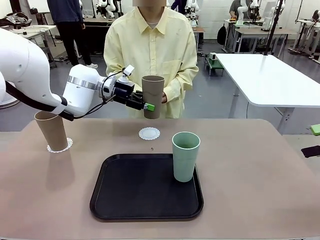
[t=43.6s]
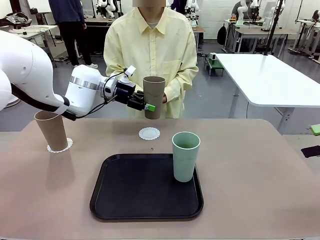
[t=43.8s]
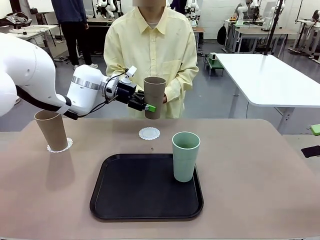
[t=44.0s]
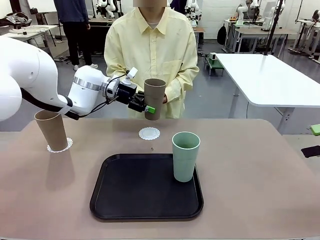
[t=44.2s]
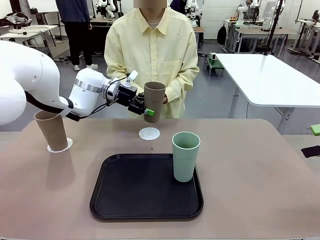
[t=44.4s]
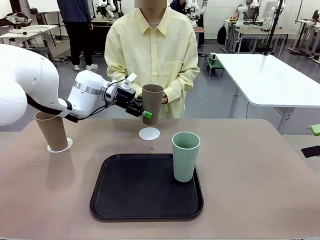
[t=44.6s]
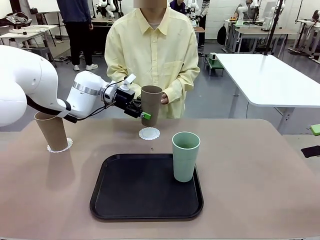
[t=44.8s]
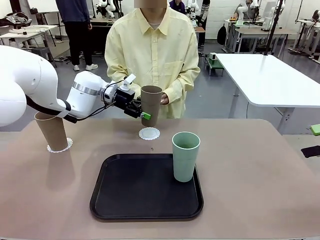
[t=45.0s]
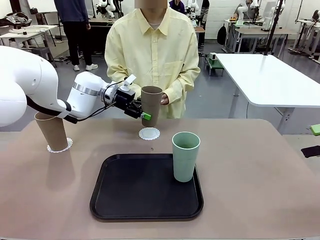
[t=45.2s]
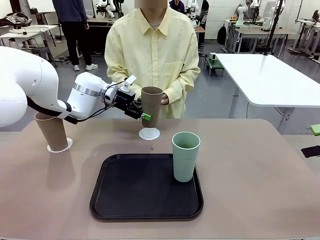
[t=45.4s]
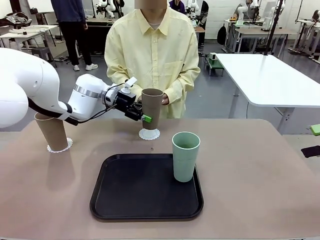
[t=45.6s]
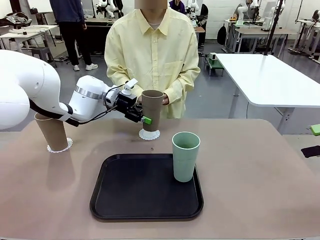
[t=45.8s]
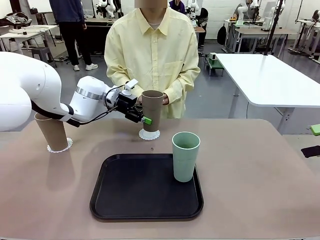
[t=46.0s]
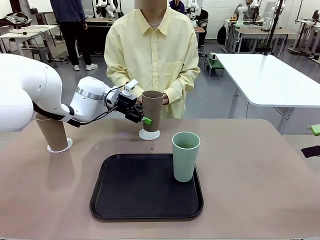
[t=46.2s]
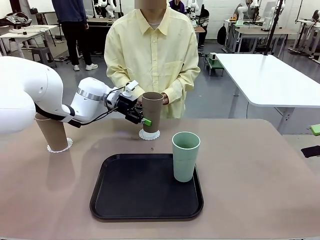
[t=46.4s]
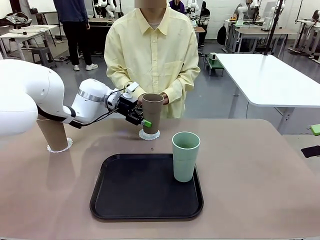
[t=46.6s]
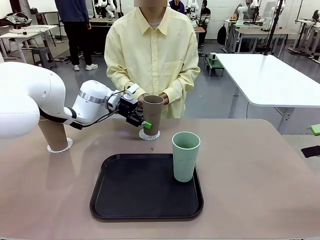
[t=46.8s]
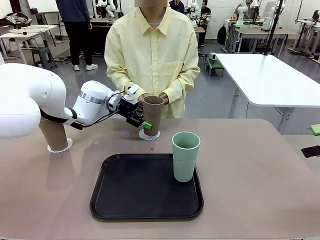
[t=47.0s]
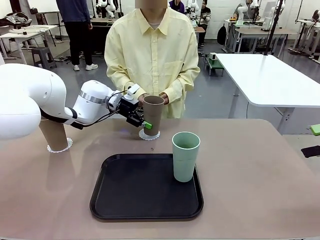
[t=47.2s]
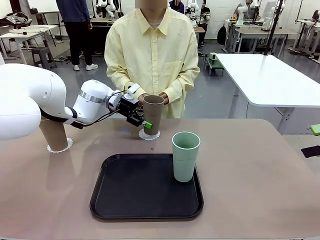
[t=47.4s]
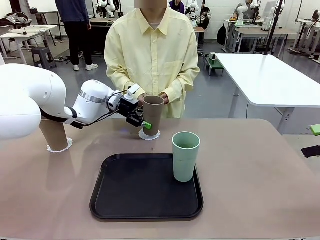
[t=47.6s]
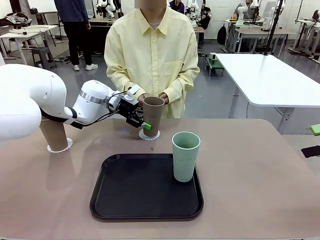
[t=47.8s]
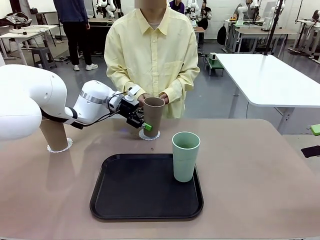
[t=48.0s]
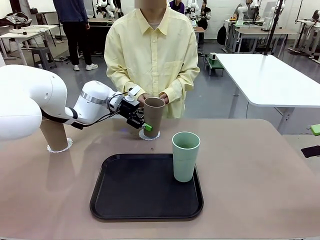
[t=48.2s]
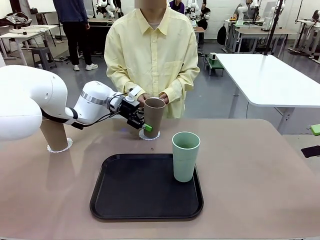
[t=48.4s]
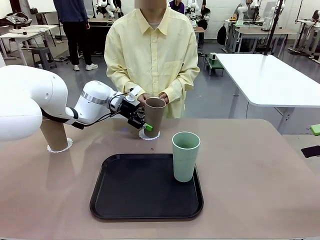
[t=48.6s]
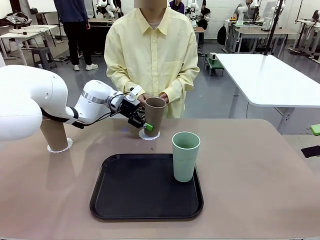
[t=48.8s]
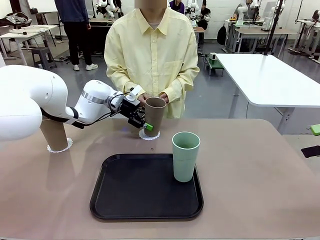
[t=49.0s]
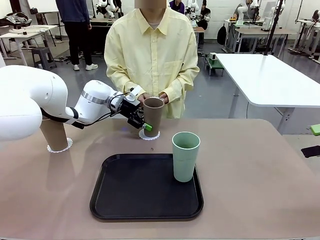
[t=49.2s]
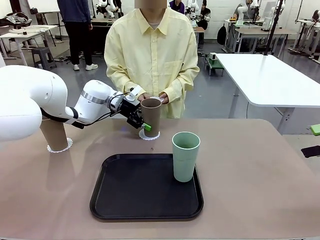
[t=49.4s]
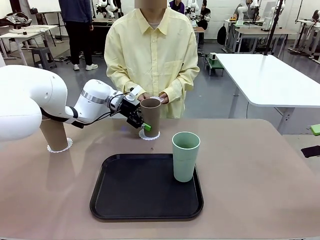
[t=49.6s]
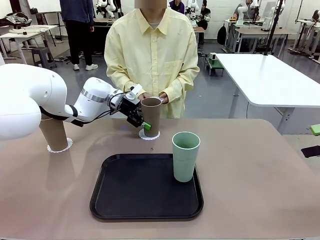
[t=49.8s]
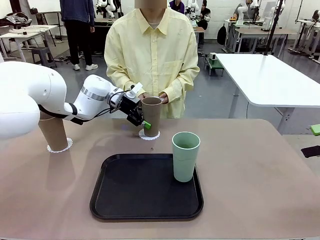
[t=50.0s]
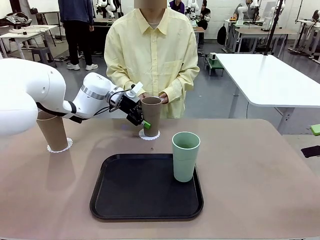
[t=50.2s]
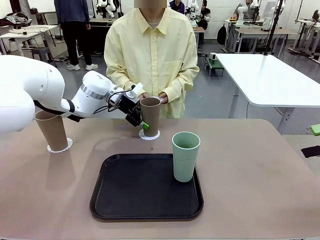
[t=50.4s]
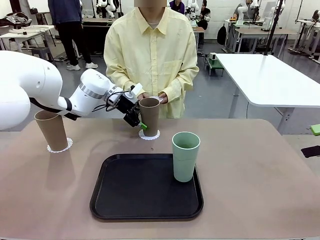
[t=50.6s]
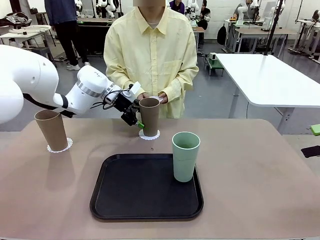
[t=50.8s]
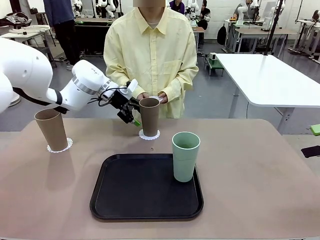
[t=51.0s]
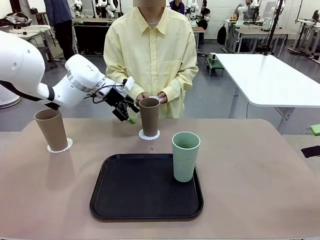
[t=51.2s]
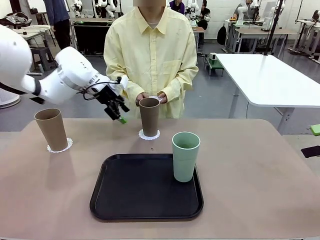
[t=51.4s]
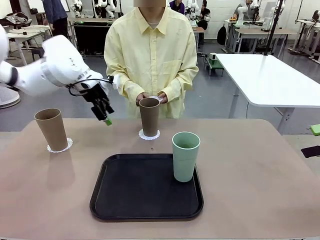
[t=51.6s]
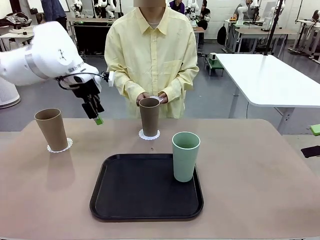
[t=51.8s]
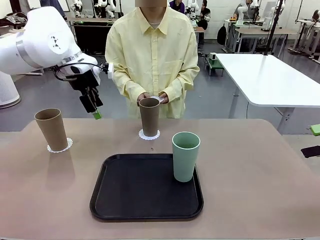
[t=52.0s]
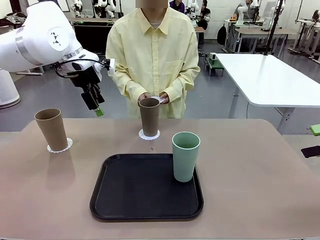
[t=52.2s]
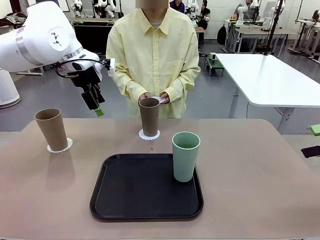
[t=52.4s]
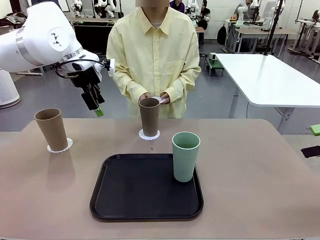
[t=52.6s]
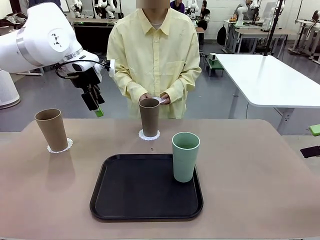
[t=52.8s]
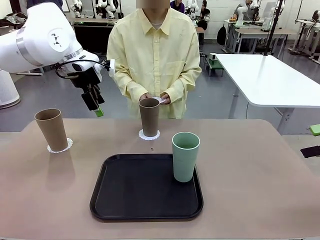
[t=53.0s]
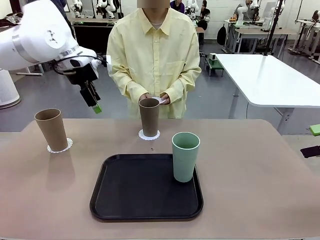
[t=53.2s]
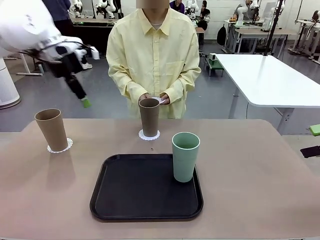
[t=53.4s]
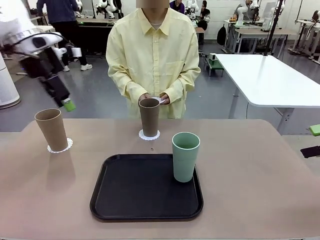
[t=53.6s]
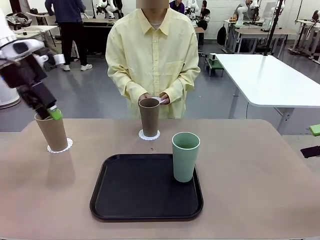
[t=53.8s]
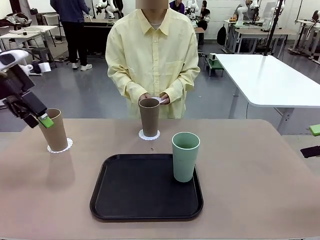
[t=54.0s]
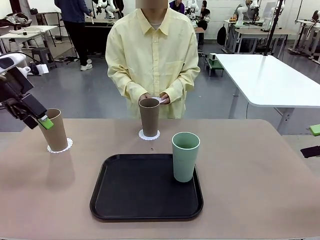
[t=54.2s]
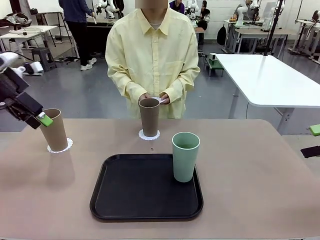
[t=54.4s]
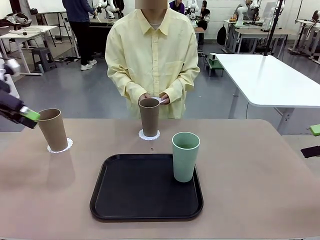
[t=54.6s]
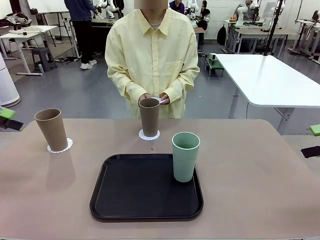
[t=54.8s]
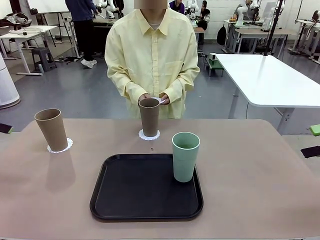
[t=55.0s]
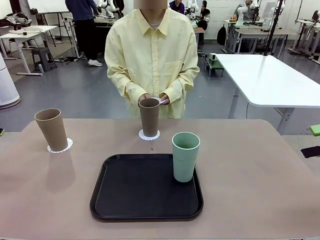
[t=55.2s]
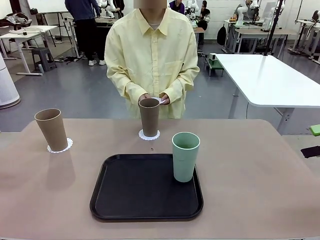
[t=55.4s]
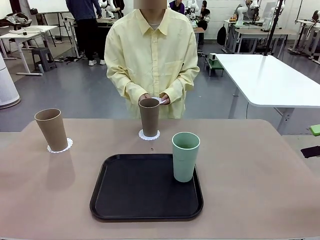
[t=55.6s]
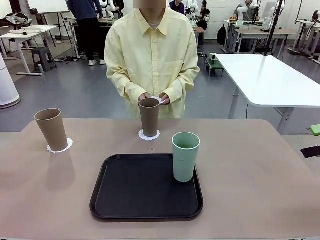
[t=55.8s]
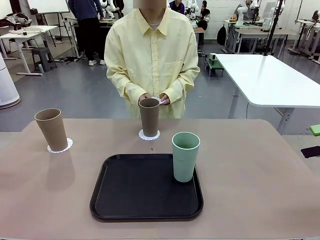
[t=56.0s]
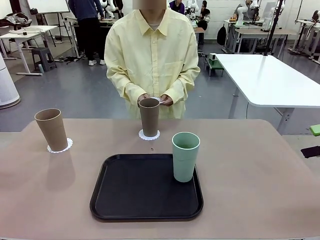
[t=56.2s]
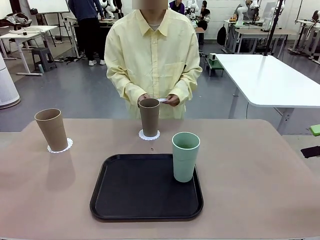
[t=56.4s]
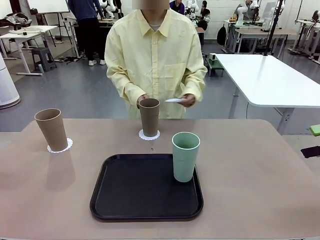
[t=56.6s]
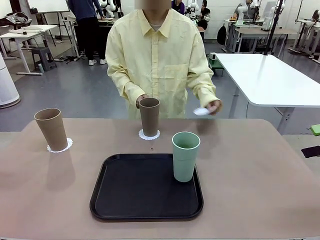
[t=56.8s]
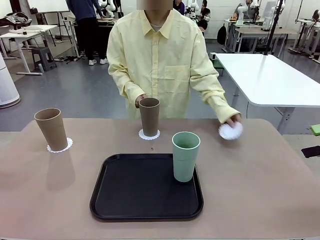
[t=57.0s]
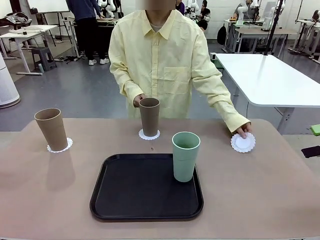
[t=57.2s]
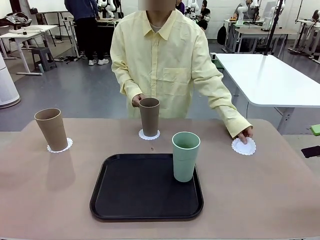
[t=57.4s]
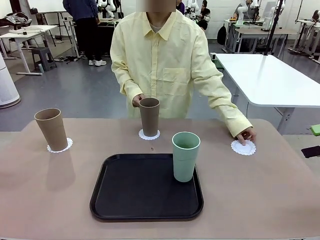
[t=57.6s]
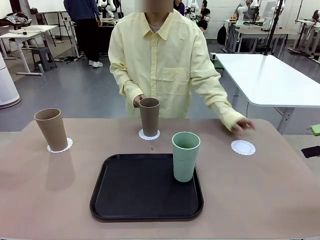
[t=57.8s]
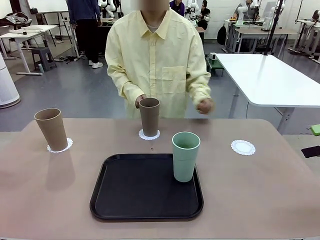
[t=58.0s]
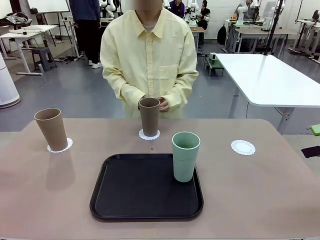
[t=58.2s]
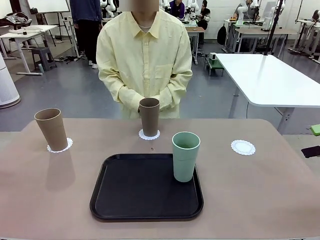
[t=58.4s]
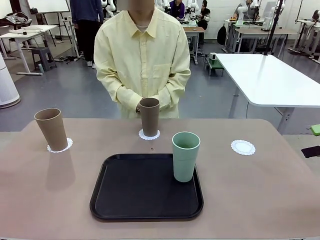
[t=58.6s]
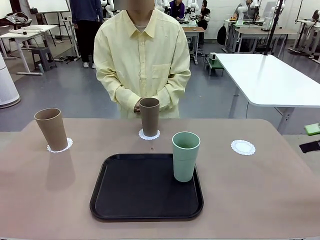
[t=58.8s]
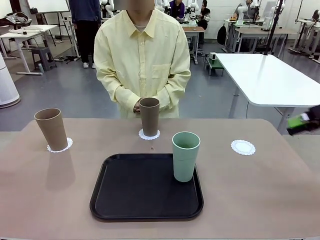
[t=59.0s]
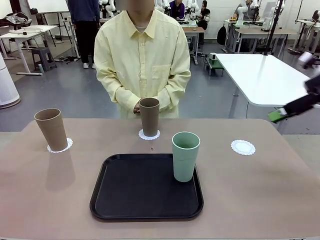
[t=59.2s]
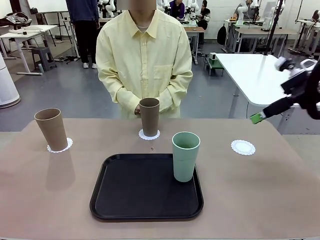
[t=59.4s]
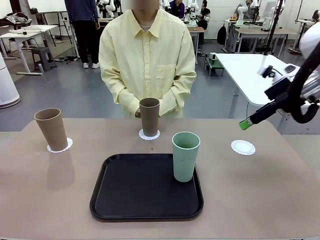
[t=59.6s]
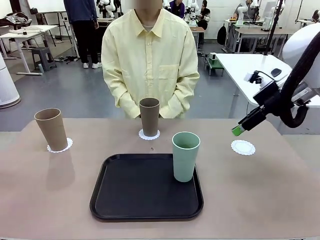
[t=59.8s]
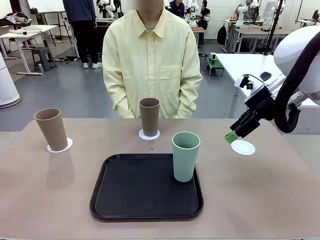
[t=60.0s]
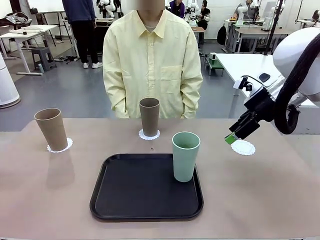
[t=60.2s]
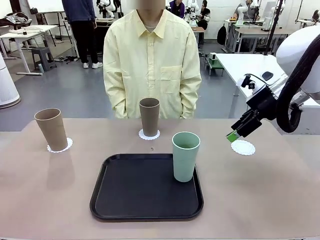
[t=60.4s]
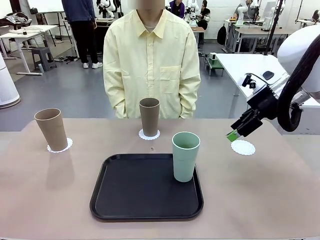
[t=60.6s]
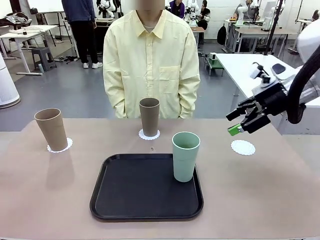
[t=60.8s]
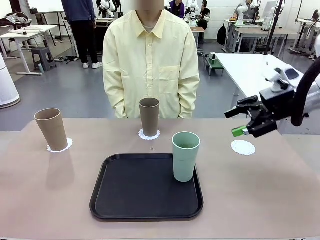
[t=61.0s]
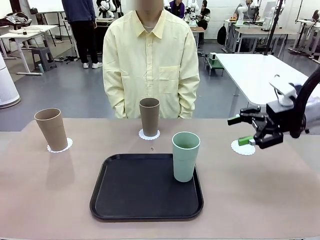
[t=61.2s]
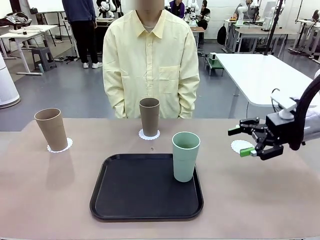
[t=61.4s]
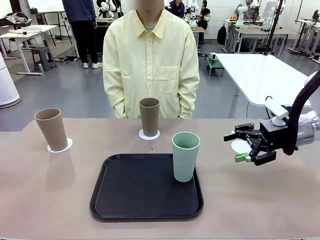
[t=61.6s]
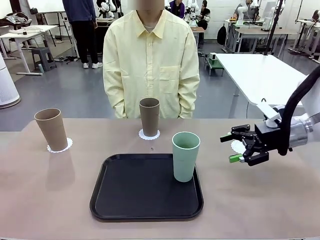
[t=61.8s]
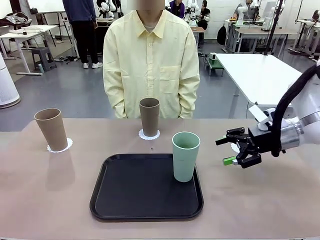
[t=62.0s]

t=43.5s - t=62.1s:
Task: Place coasters on the table and set cups on them.
Robot: Take one Reusable plastic cup from the Flat Tray and place it on a coaster set by the human.
